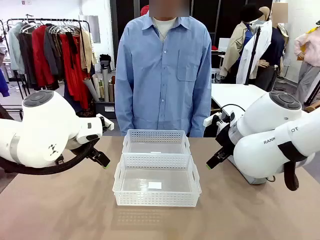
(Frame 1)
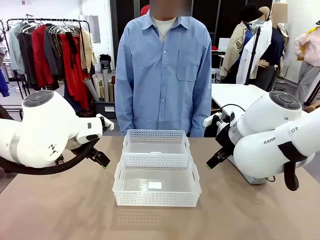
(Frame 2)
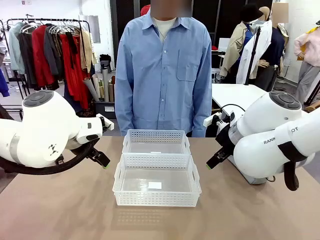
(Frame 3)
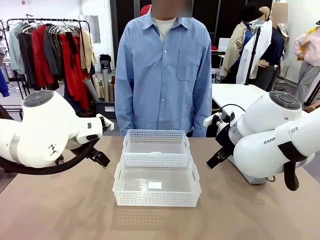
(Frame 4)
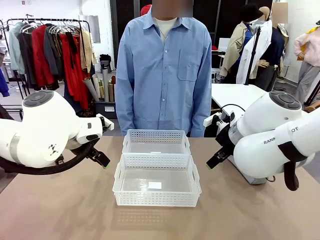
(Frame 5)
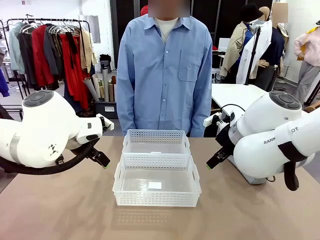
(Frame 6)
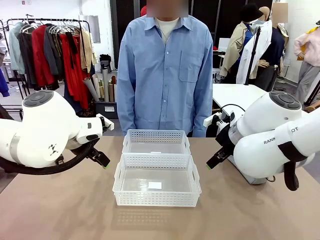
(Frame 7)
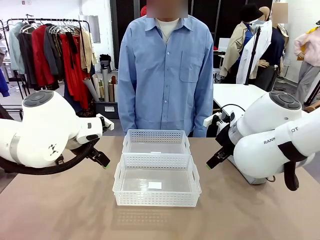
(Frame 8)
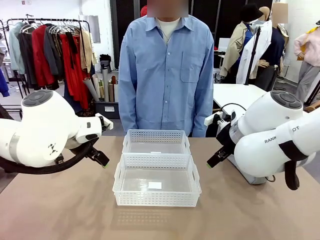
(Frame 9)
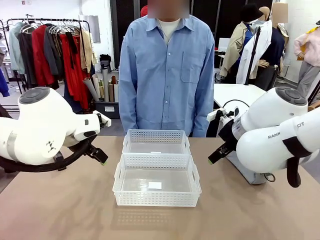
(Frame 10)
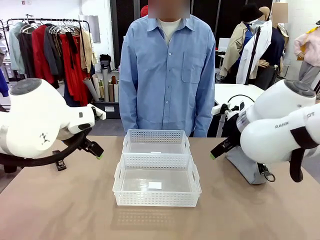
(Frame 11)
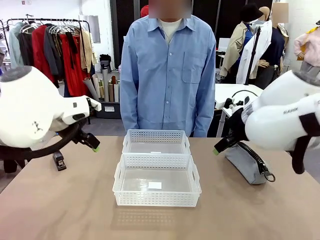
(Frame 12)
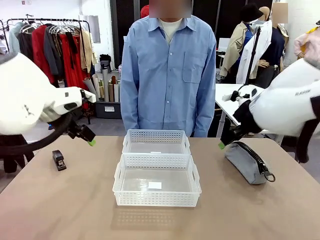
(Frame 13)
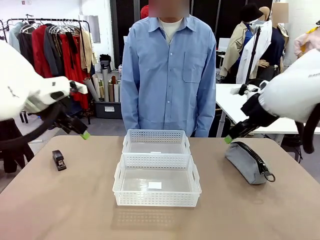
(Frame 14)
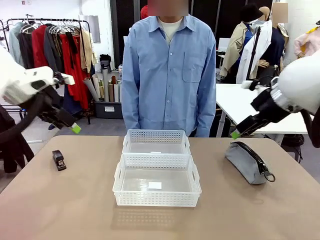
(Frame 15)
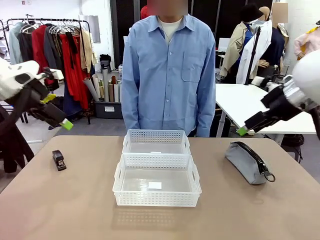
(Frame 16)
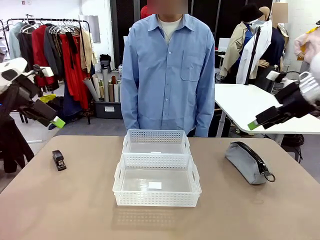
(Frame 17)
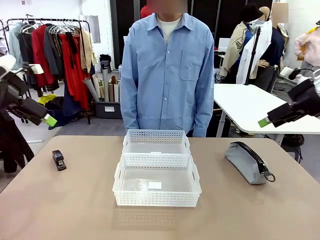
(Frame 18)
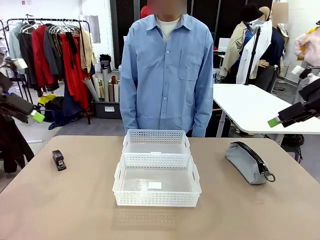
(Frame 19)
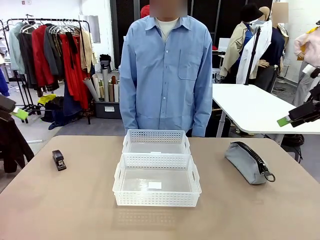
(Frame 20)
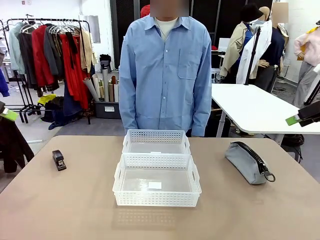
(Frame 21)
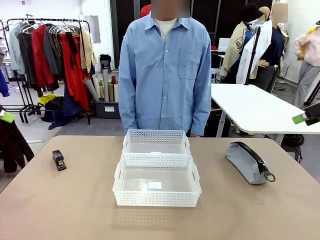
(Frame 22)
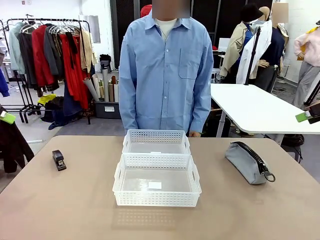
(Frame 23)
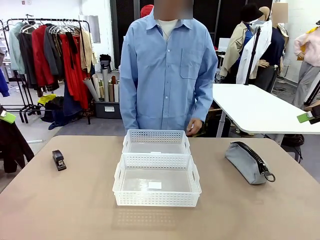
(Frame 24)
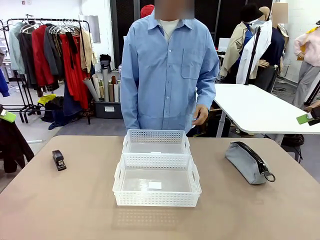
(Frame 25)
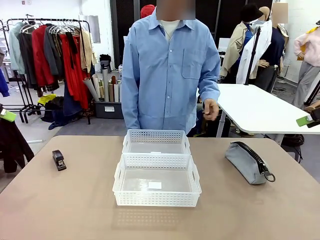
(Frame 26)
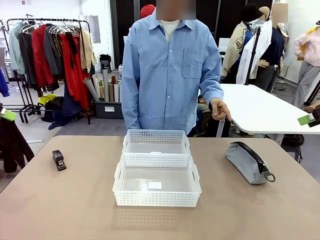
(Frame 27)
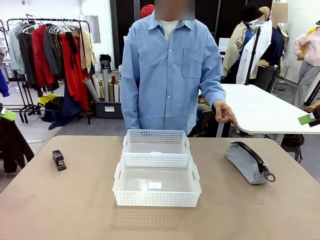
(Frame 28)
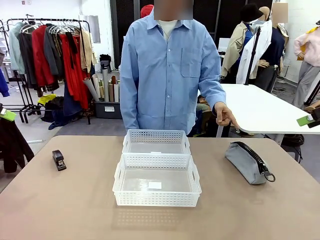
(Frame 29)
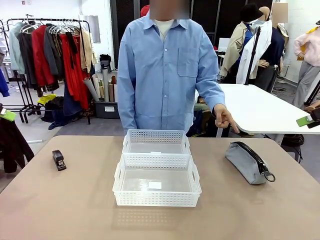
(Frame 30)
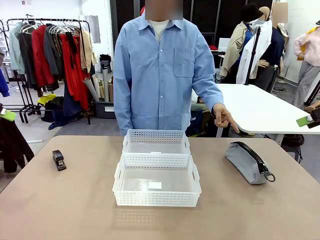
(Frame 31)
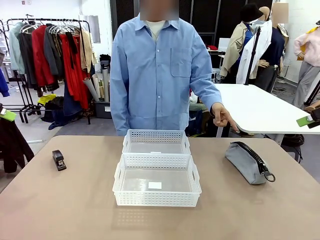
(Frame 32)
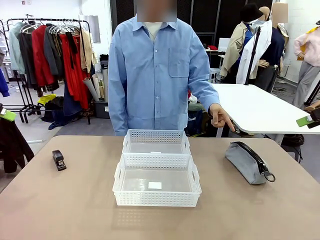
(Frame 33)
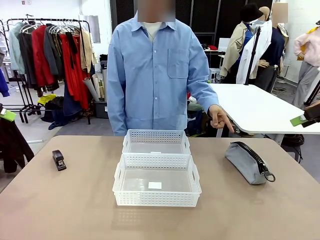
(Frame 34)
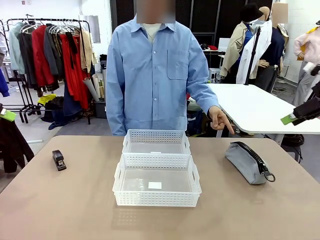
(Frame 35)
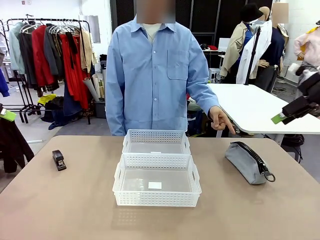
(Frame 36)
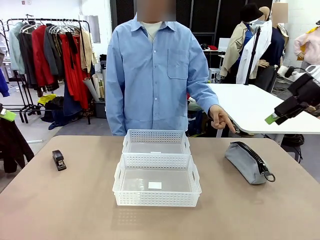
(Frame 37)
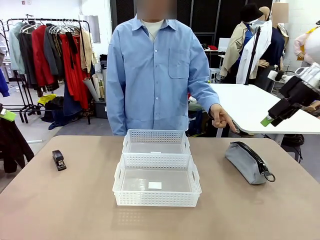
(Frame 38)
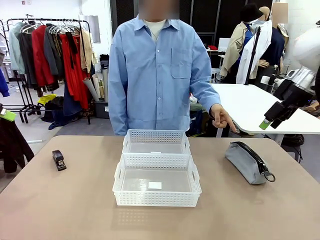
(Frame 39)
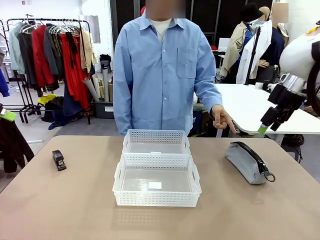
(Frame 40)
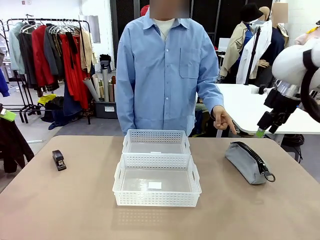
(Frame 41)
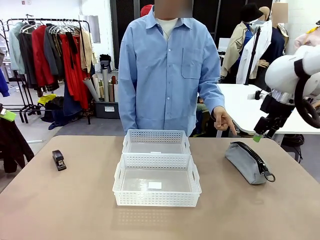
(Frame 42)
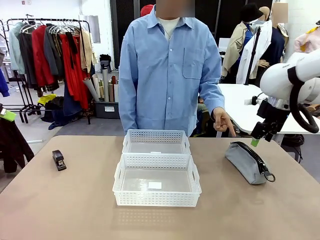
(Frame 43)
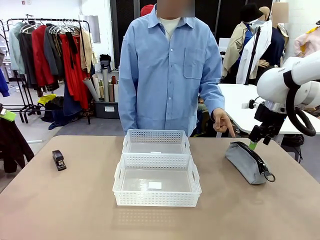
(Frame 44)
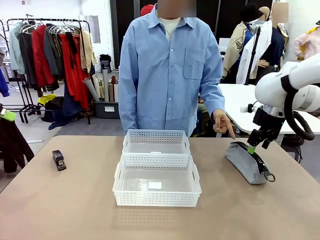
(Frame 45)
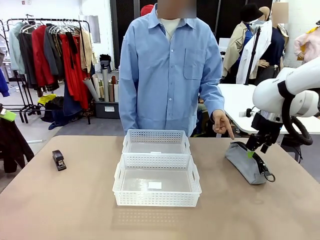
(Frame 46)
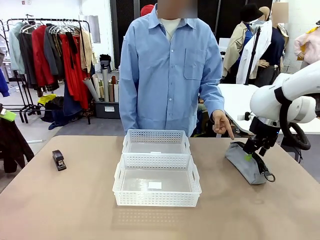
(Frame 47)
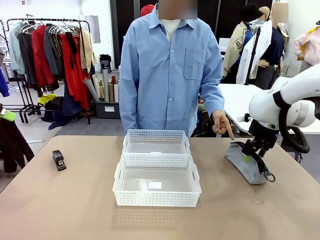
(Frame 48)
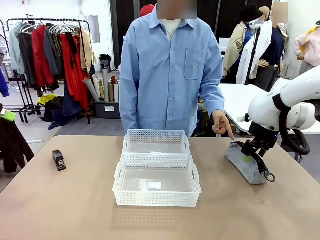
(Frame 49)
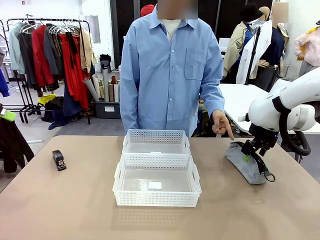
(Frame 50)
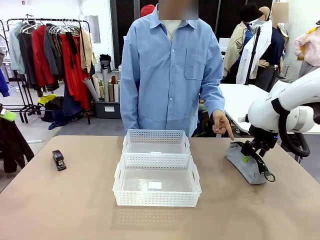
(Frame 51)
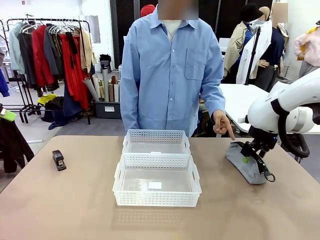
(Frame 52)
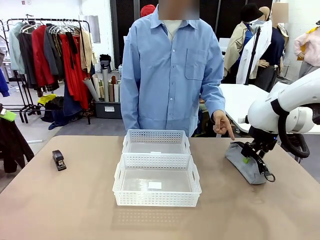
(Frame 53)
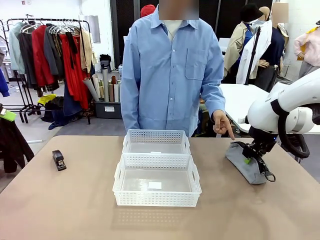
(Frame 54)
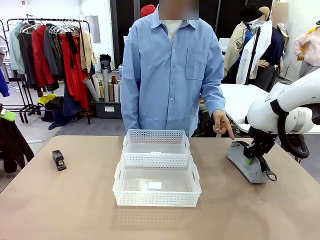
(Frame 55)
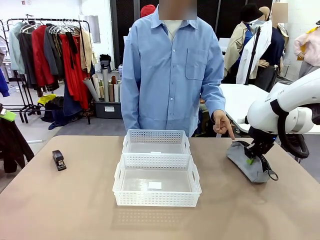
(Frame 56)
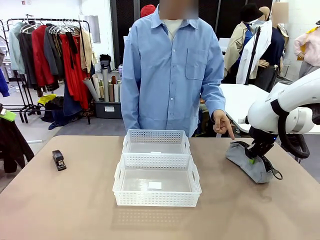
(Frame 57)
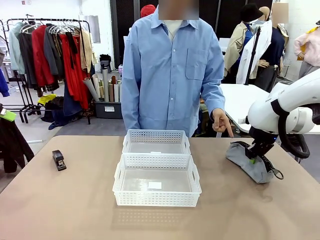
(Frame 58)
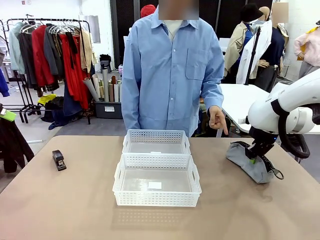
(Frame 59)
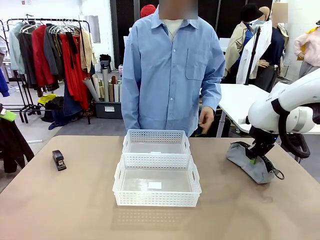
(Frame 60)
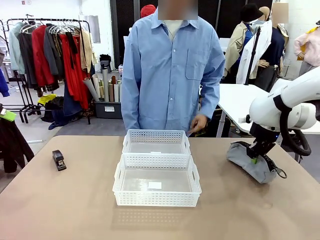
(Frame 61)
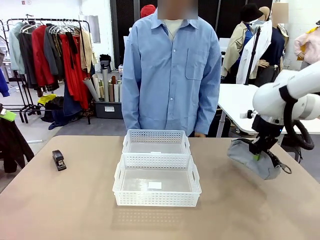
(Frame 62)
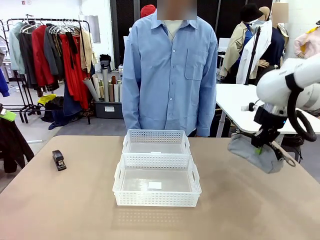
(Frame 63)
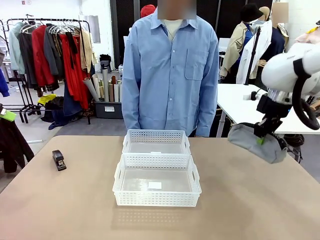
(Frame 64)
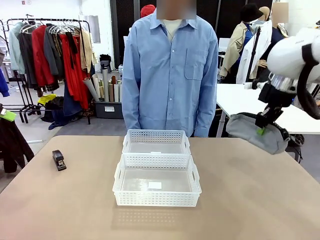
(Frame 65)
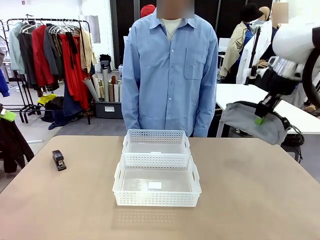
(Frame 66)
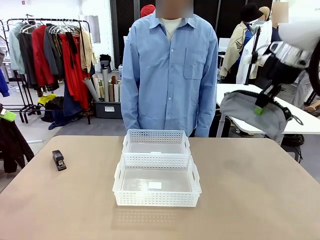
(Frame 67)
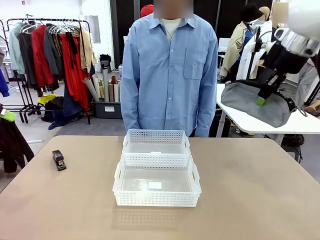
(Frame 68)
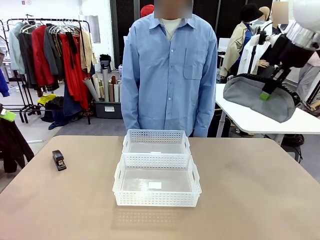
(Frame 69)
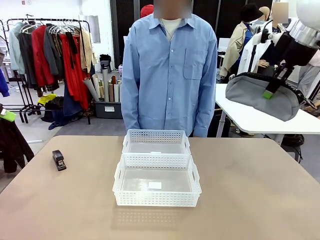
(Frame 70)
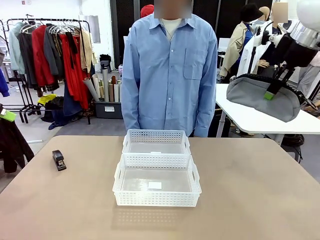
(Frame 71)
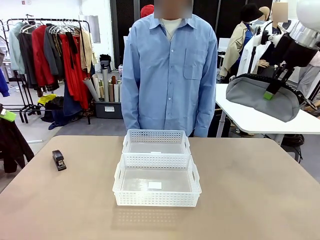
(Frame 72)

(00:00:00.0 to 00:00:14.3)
Task: Distribute items into two baskets.
Robot: Pick up the Pencil pouch that the person points to.
Person: Points to the pencil case. Points between the two organizing baskets and instructs the robot to move the pencil case.

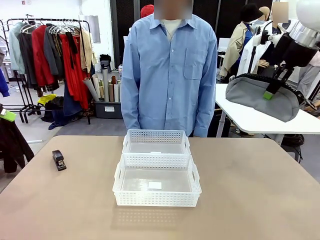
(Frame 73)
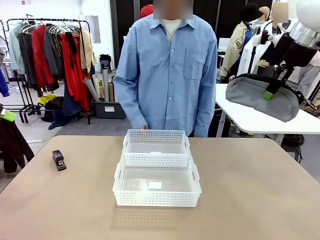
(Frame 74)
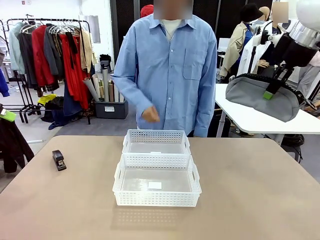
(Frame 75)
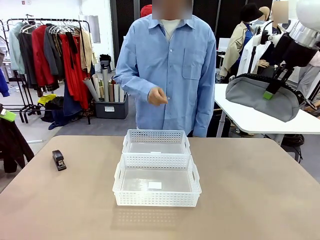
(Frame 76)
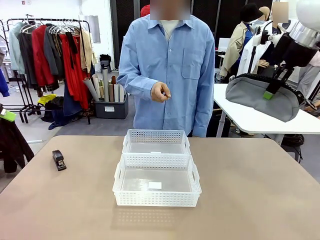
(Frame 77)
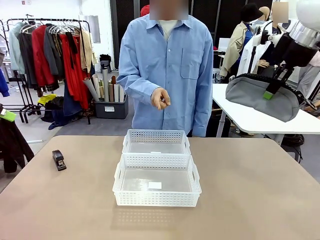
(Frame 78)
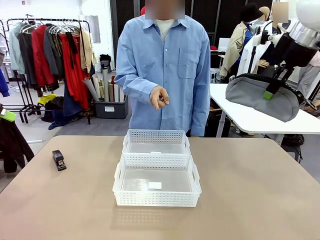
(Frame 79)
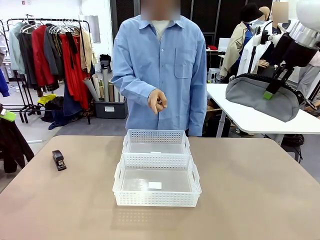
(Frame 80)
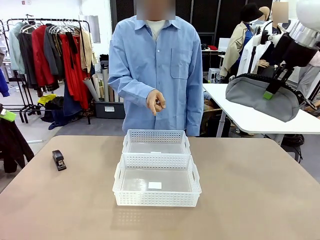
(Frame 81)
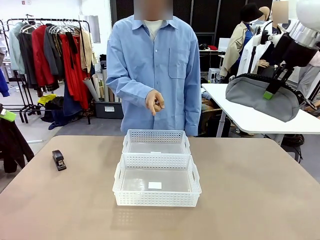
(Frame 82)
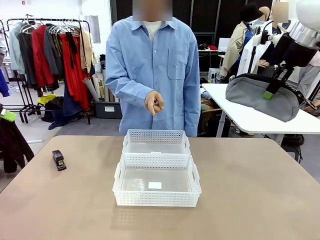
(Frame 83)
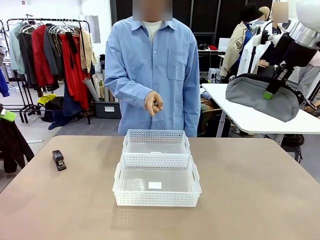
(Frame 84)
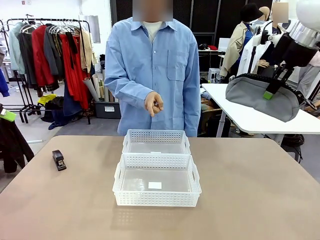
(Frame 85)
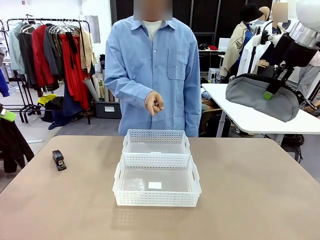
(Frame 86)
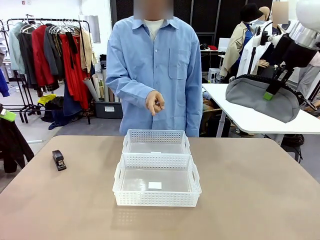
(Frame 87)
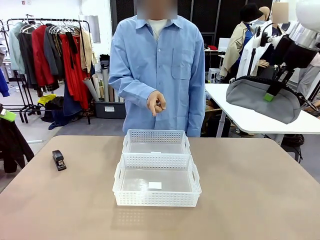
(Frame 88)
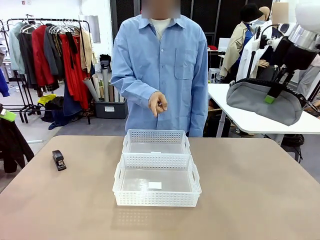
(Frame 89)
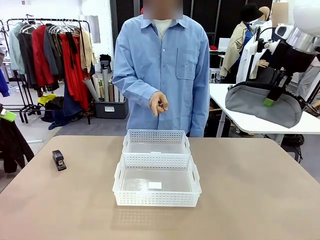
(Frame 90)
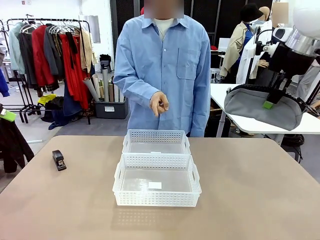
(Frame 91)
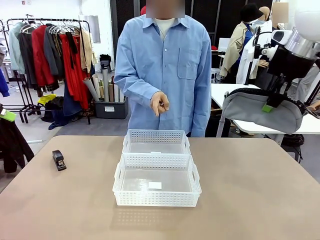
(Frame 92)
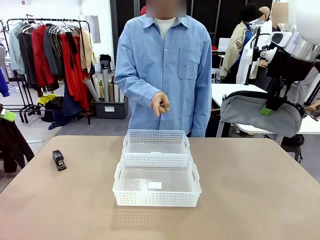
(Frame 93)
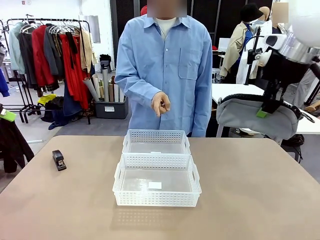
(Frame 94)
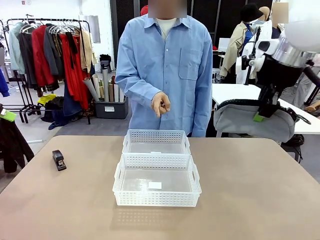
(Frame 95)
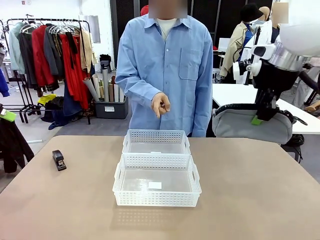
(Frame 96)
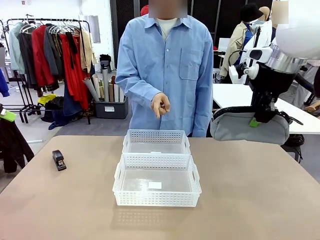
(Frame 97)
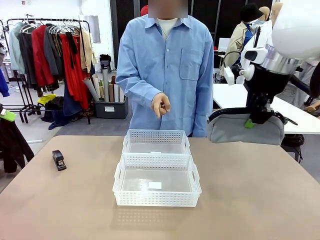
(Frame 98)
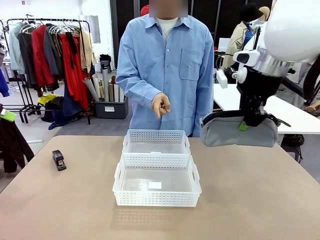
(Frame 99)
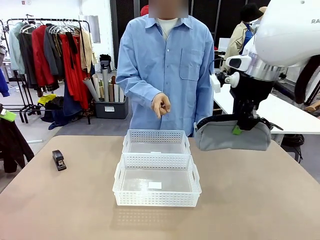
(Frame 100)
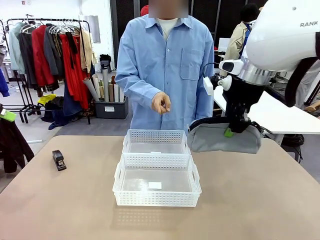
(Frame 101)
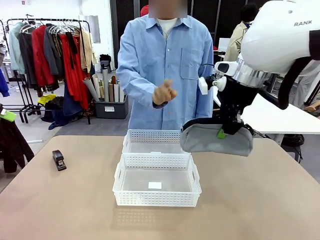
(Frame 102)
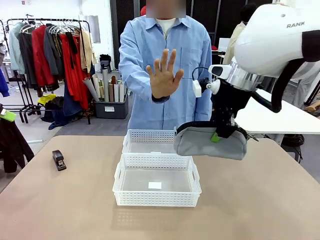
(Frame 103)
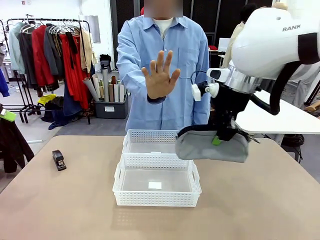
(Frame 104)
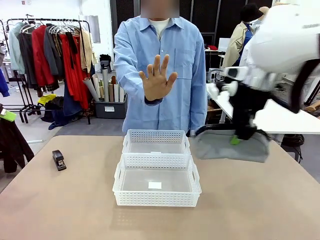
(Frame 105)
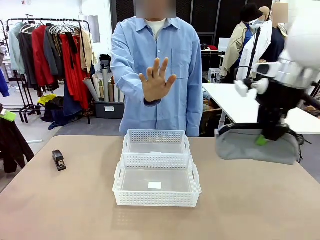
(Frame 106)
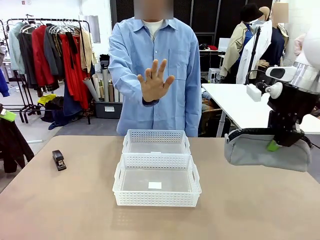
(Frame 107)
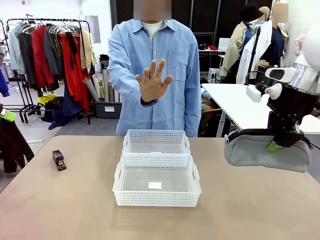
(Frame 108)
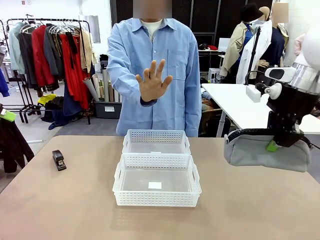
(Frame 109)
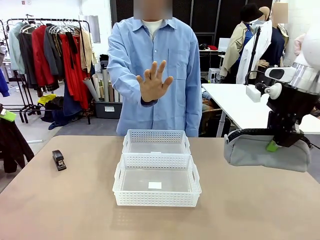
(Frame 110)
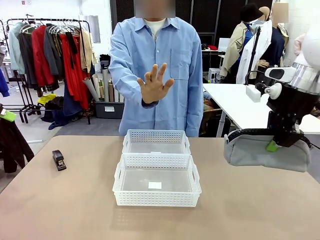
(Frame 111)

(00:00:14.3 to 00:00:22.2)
Robot: Move the picked Pencil pouch towards the Organizing basket indicated by the person, stopping as directed.
Person: Sends a stop gesture before the robot places the pencil case into the basket.
